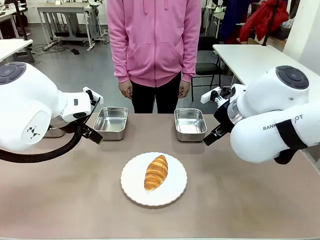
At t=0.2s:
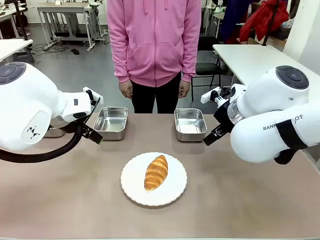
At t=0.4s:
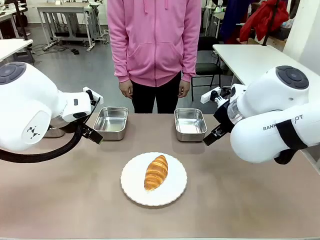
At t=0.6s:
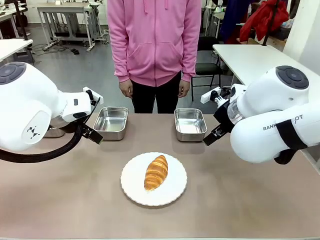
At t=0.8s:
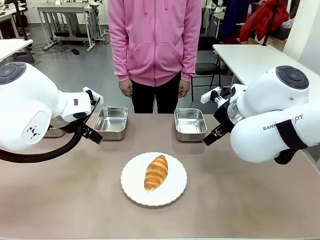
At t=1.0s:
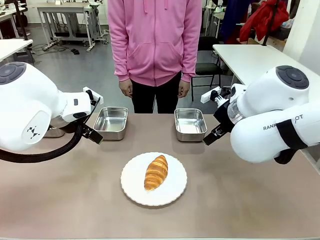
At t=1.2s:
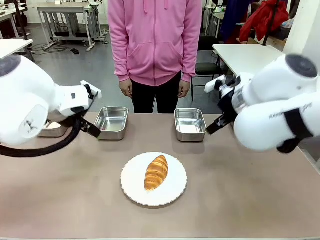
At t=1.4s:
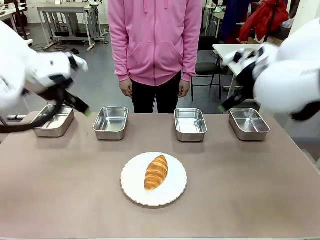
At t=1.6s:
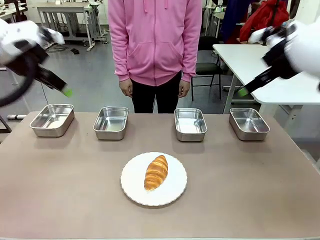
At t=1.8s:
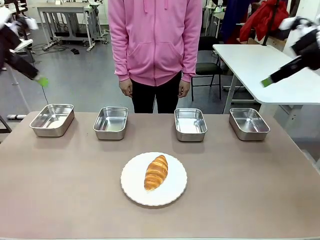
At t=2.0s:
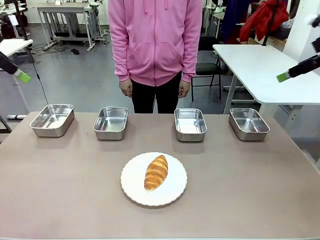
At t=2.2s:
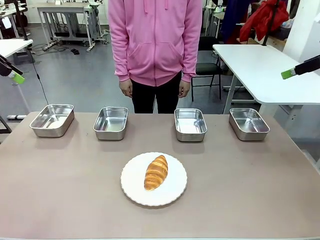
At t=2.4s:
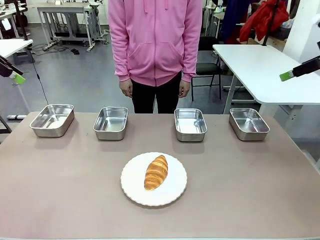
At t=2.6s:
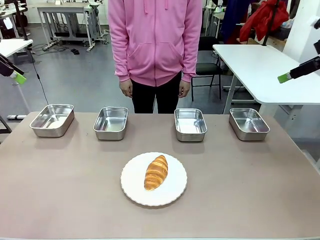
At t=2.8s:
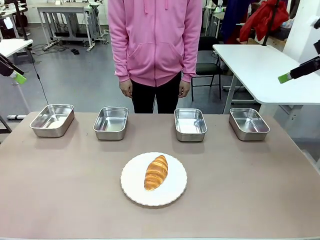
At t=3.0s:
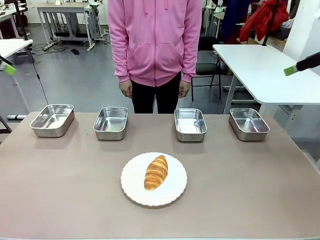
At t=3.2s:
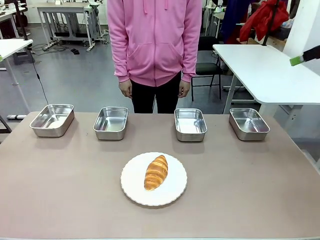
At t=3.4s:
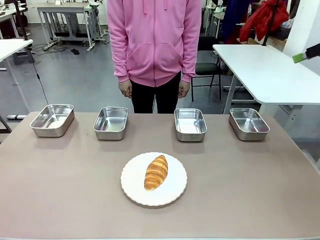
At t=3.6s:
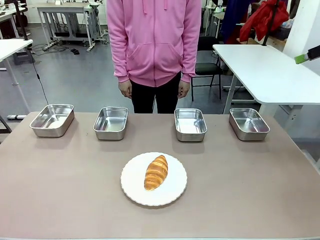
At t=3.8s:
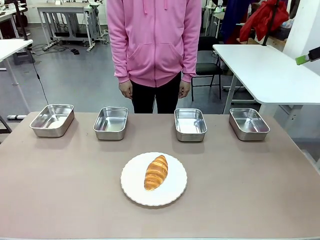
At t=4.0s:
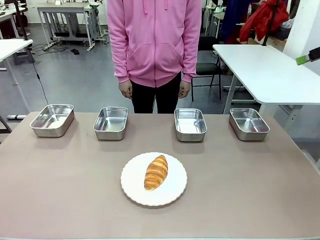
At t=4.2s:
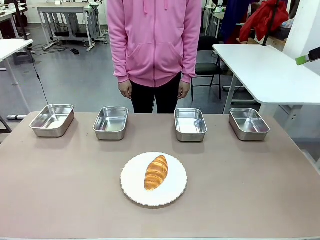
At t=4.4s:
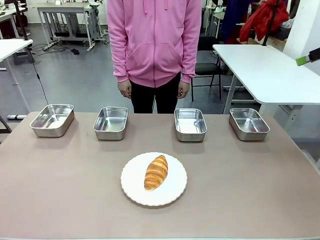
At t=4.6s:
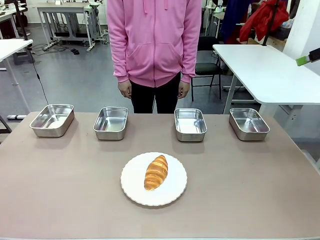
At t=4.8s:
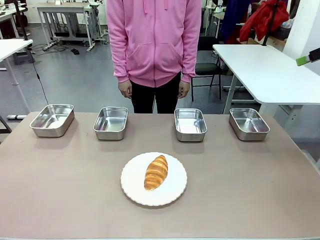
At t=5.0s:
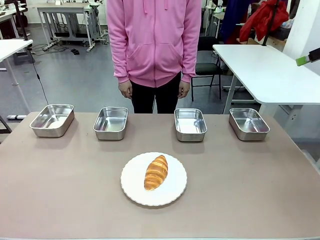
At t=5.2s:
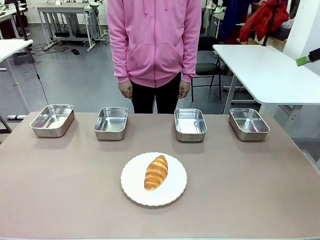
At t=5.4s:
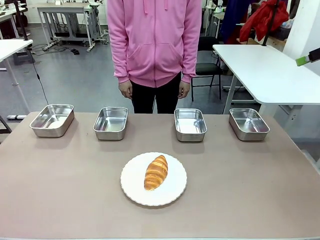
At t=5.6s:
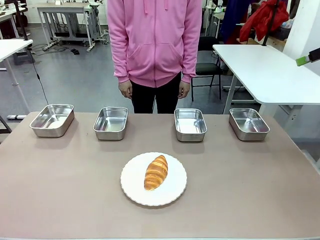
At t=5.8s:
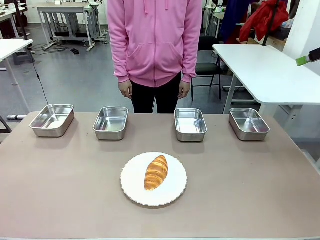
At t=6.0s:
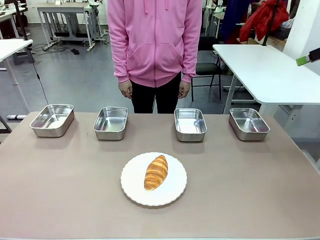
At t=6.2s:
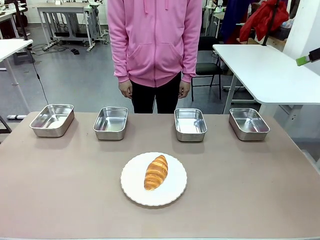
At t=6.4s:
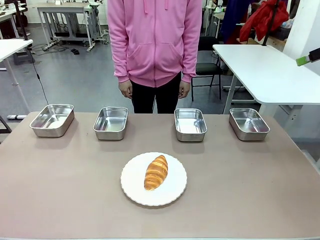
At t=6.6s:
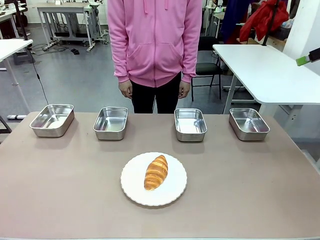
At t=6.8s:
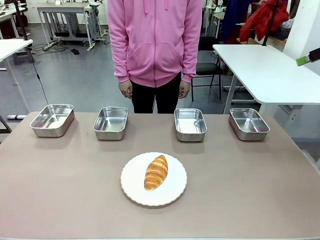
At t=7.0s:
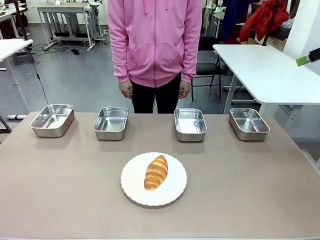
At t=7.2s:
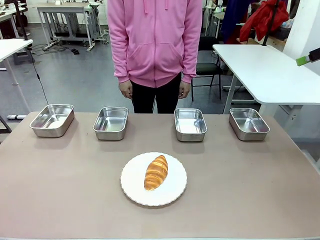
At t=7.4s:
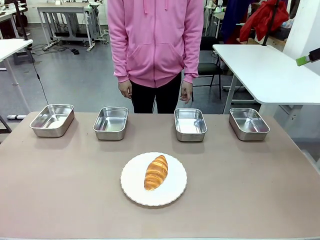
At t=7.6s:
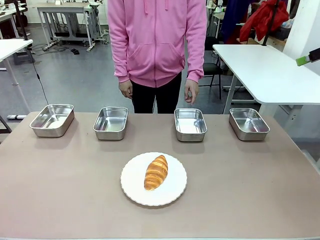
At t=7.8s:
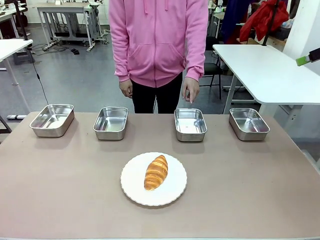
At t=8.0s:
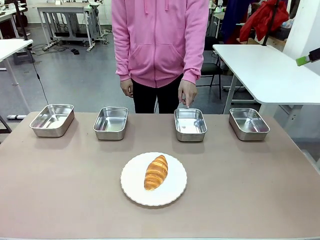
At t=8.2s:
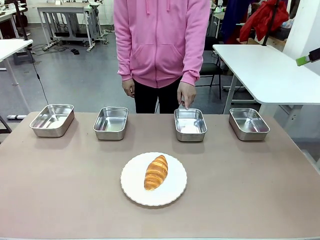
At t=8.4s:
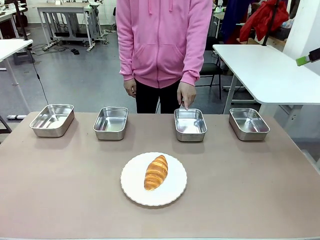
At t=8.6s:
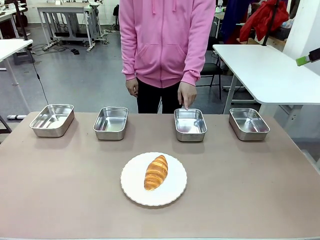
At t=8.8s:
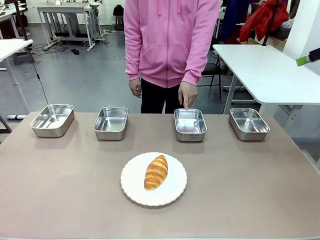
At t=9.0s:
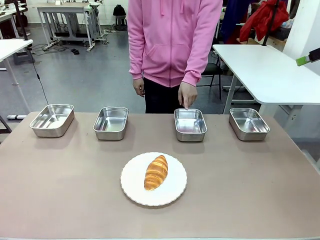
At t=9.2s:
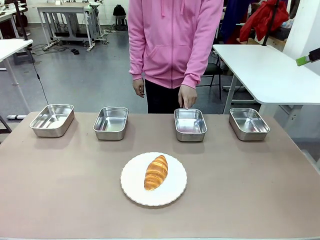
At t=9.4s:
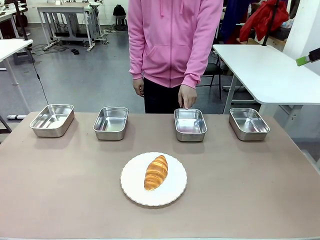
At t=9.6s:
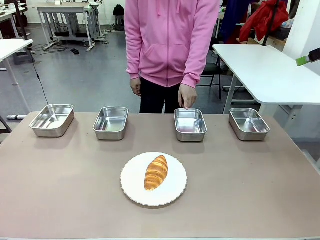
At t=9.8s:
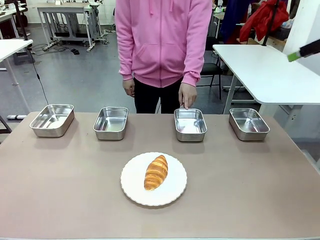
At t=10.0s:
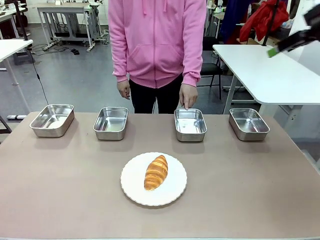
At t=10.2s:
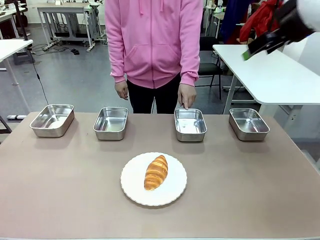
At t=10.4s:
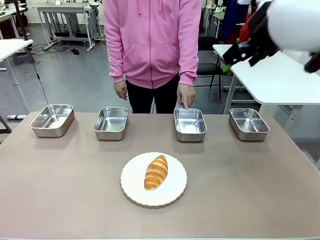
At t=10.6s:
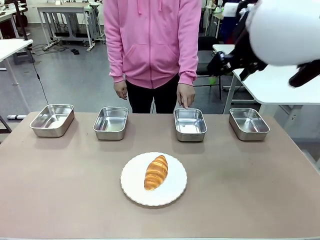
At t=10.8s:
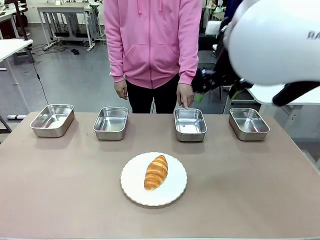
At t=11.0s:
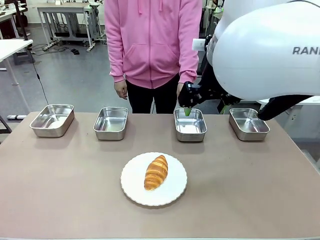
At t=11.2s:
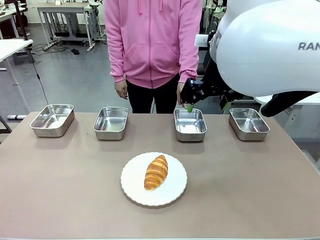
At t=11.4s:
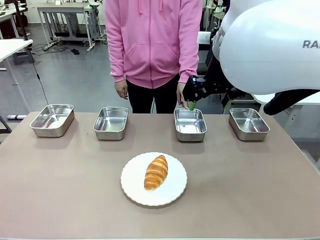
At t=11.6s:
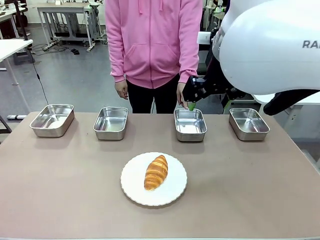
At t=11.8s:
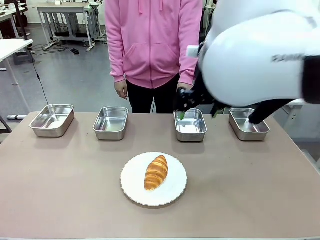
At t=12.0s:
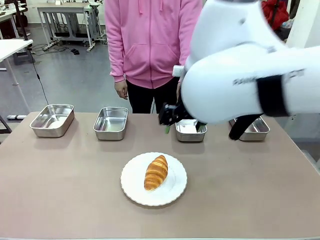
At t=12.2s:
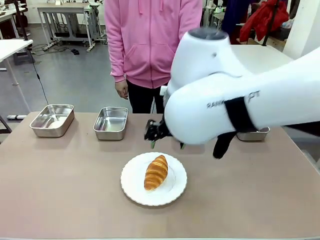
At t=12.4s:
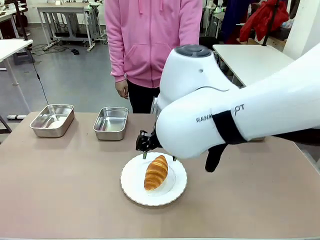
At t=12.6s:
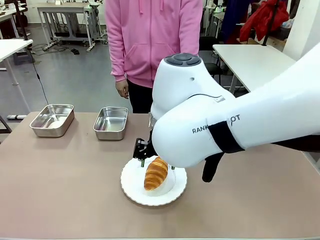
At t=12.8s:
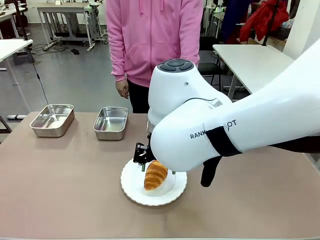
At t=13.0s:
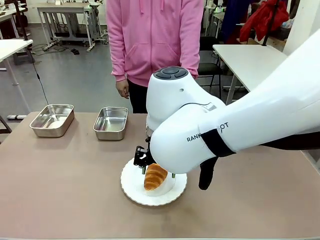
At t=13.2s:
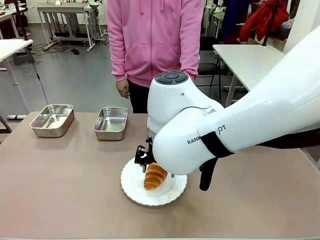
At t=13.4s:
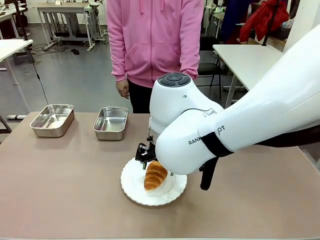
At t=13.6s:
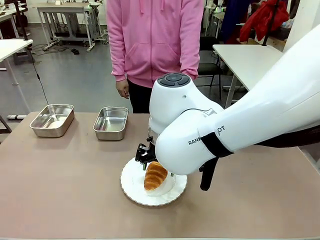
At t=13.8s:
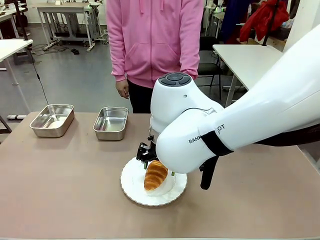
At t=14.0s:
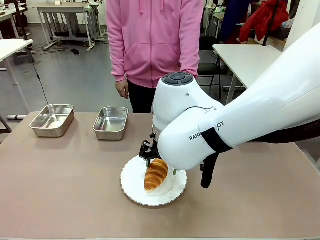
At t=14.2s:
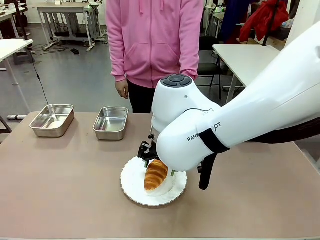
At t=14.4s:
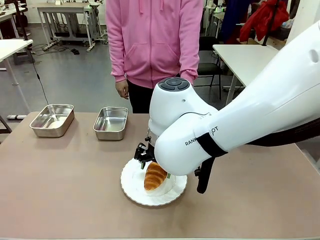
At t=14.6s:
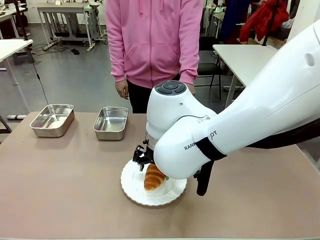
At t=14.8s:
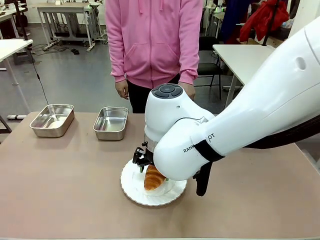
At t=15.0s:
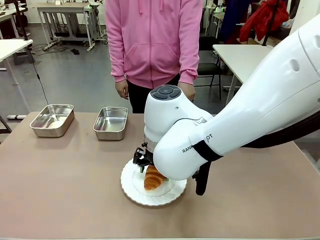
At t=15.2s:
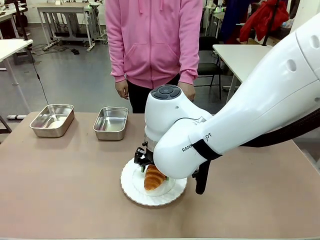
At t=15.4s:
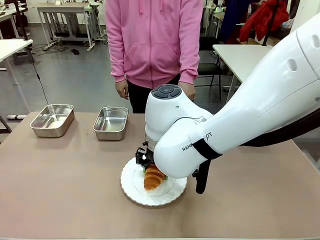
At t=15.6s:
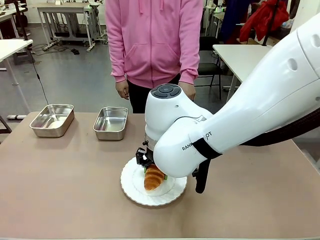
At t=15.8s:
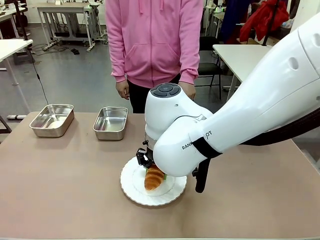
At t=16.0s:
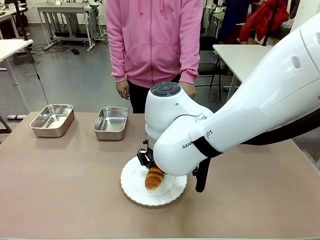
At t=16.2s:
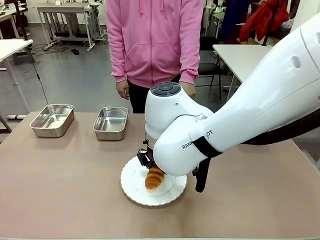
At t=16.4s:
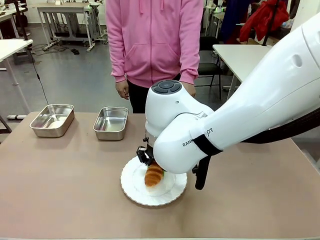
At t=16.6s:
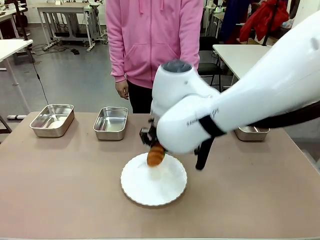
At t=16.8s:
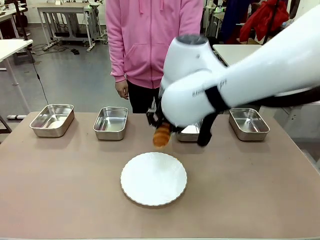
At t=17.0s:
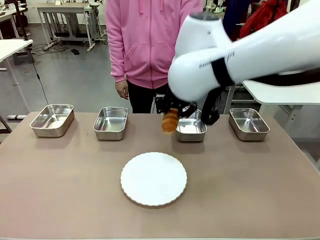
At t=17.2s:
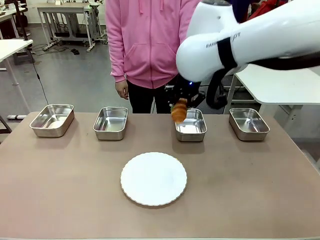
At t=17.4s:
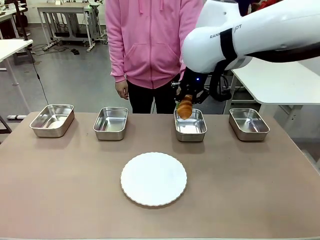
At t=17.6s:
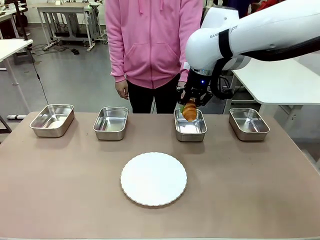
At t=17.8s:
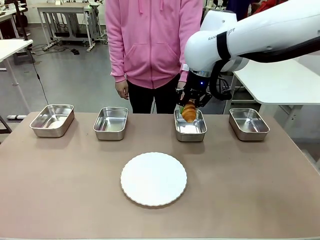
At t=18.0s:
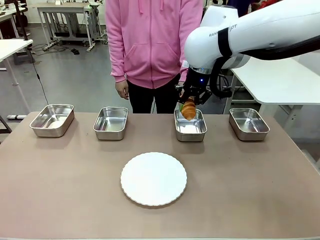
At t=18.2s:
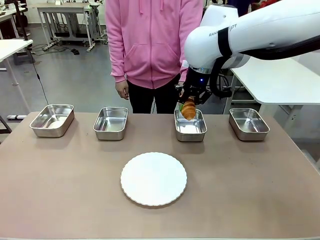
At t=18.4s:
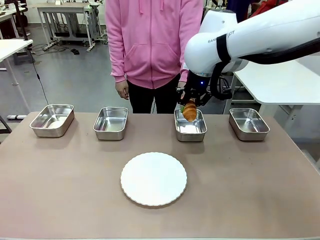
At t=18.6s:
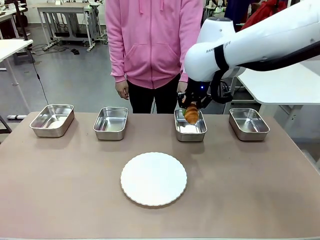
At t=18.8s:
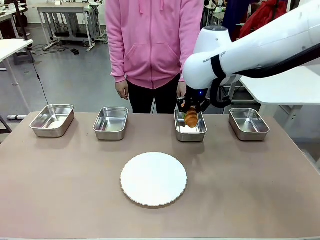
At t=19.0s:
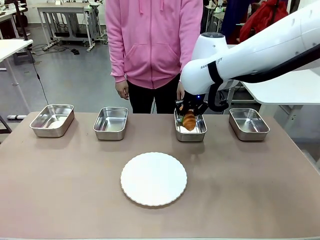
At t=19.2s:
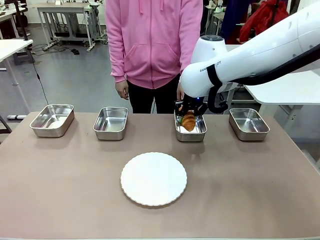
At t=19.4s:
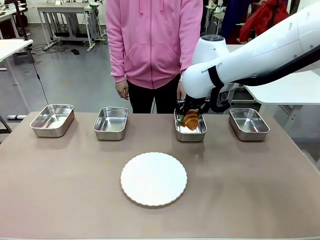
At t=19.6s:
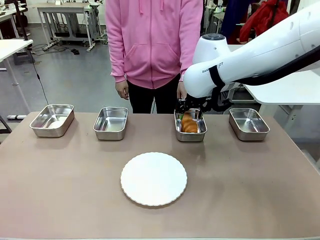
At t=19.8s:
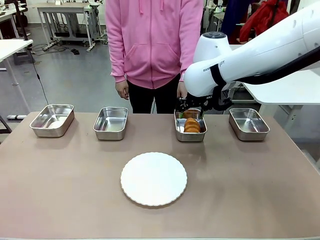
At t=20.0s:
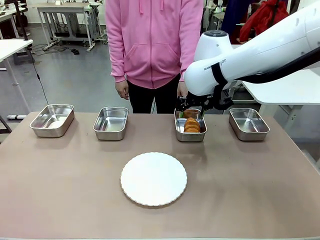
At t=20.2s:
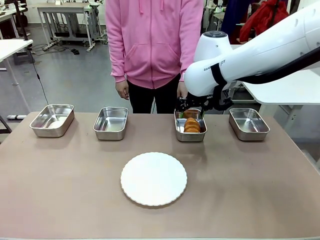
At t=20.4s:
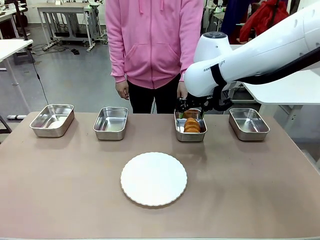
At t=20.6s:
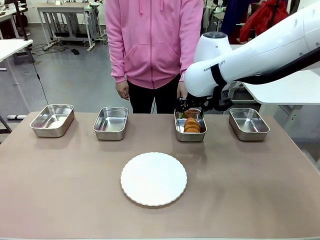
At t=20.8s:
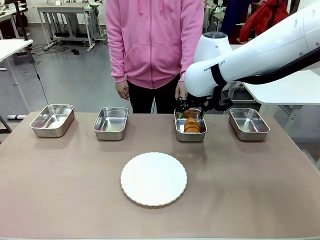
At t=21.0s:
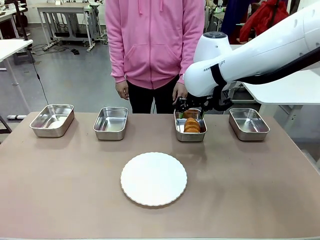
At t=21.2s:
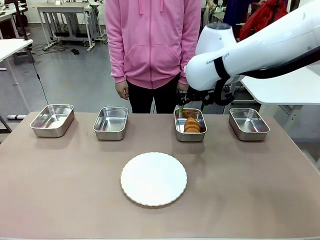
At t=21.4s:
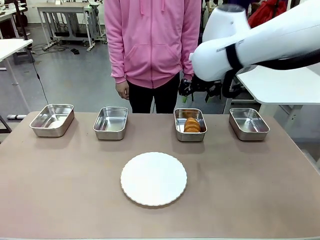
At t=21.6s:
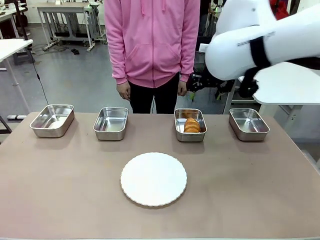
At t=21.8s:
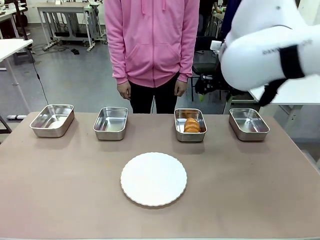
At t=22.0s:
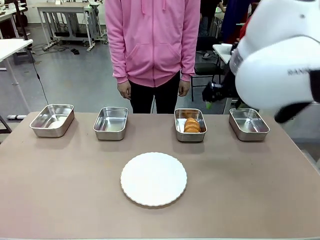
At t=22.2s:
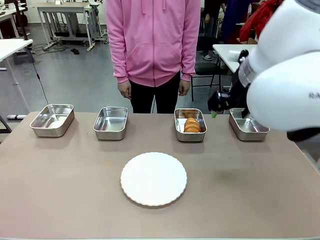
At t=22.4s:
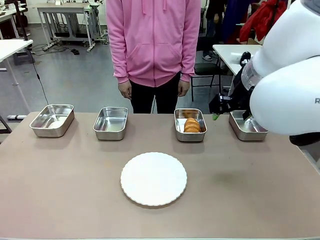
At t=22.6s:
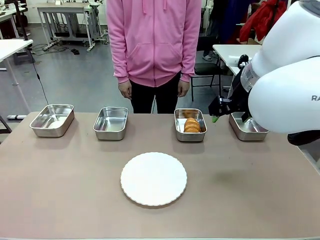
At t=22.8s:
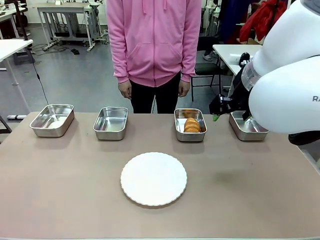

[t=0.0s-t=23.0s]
Task: Place the bread in the container.
Robot: Place the Butter Roll into the Airtight Container indicated by the human.
Person: A person randomly selects and points to an Airtight Container.
